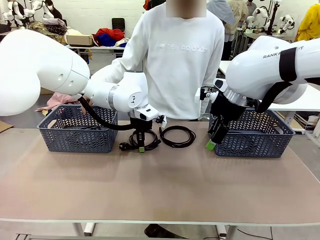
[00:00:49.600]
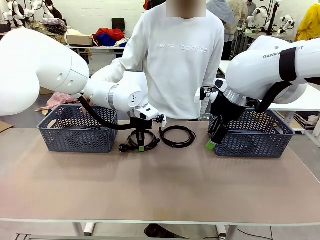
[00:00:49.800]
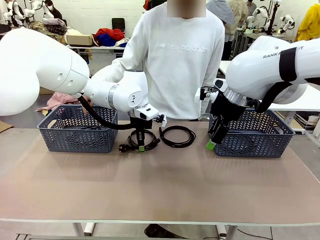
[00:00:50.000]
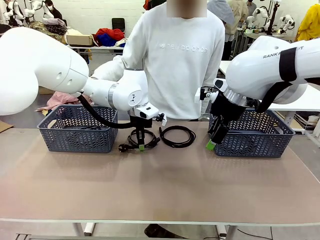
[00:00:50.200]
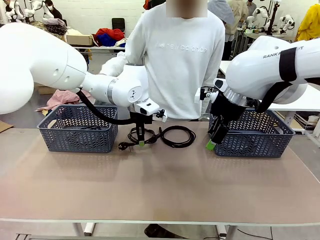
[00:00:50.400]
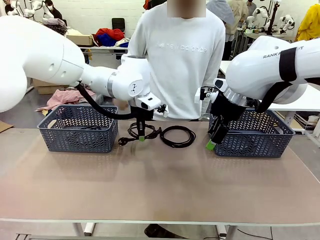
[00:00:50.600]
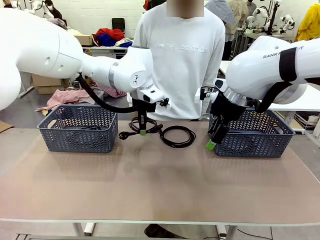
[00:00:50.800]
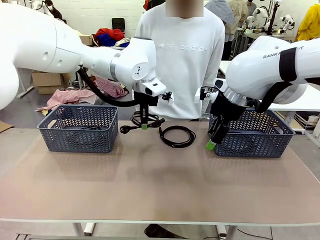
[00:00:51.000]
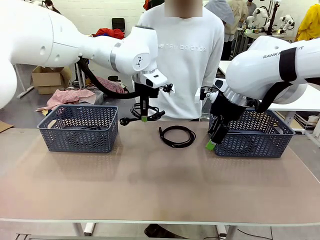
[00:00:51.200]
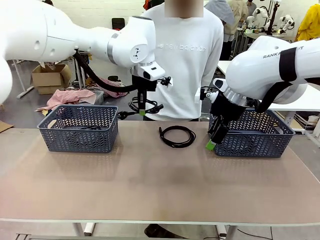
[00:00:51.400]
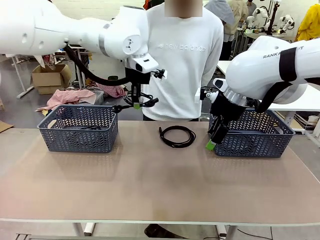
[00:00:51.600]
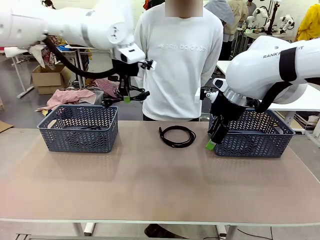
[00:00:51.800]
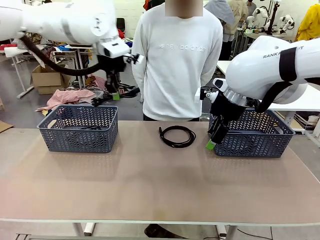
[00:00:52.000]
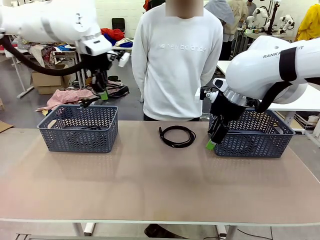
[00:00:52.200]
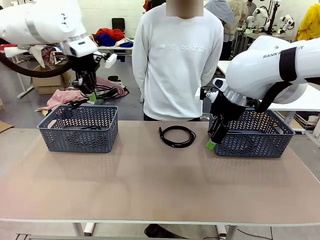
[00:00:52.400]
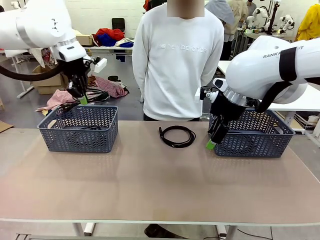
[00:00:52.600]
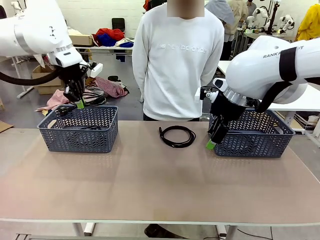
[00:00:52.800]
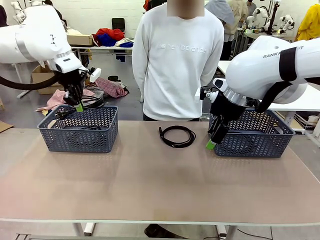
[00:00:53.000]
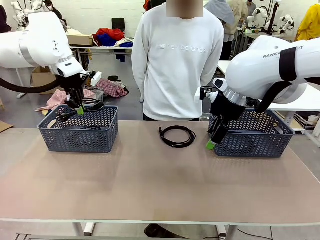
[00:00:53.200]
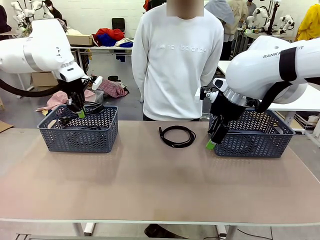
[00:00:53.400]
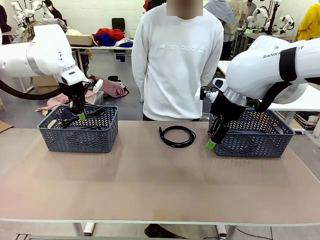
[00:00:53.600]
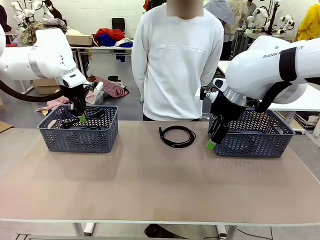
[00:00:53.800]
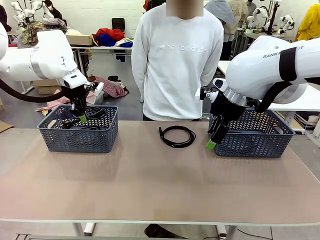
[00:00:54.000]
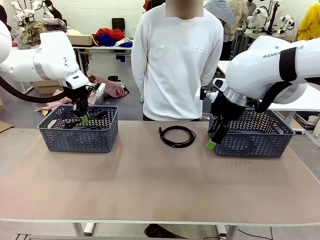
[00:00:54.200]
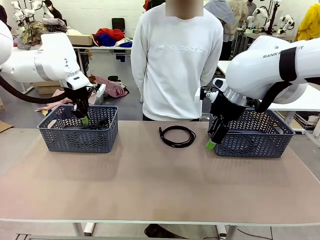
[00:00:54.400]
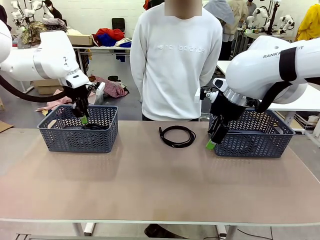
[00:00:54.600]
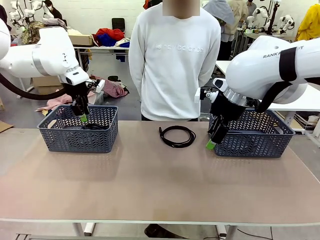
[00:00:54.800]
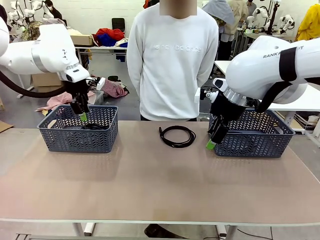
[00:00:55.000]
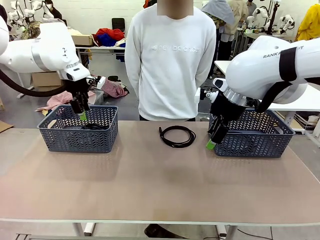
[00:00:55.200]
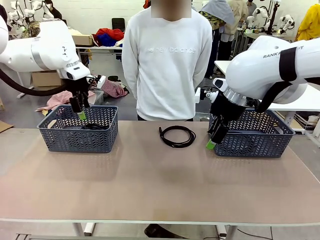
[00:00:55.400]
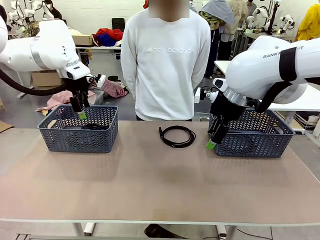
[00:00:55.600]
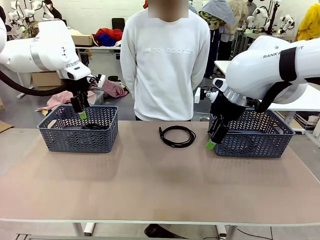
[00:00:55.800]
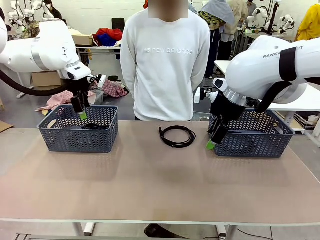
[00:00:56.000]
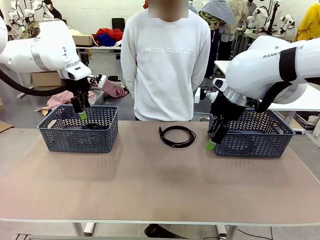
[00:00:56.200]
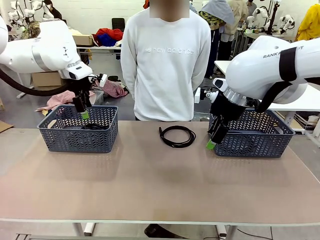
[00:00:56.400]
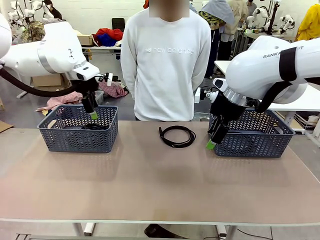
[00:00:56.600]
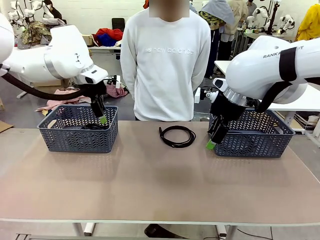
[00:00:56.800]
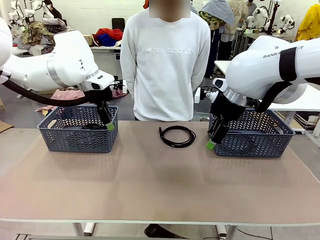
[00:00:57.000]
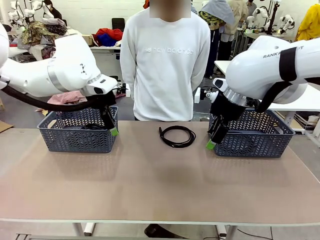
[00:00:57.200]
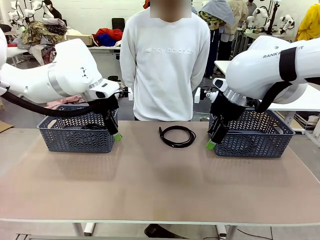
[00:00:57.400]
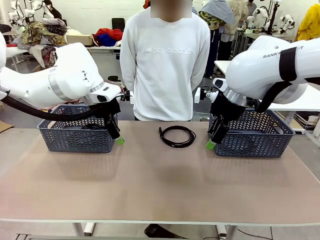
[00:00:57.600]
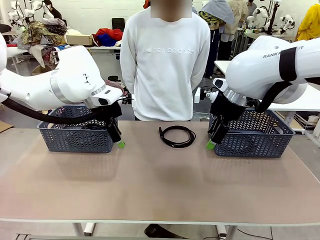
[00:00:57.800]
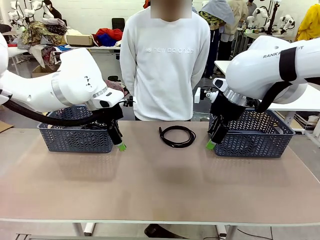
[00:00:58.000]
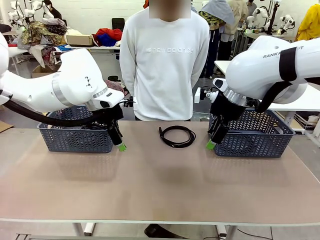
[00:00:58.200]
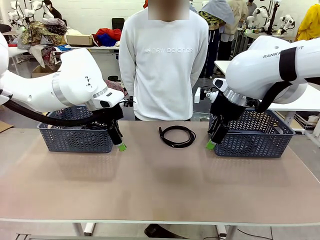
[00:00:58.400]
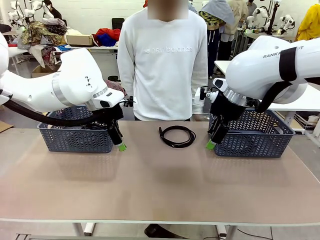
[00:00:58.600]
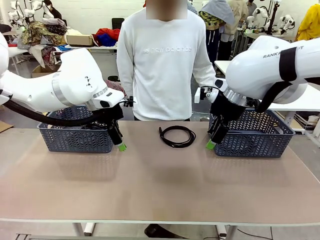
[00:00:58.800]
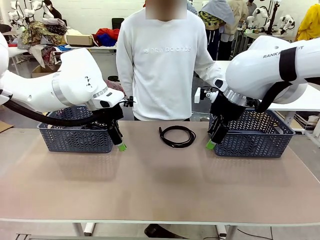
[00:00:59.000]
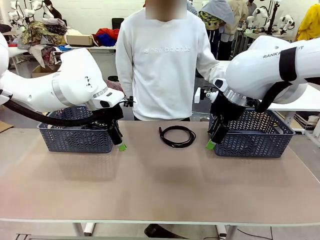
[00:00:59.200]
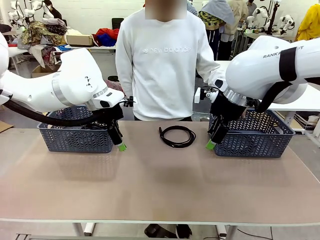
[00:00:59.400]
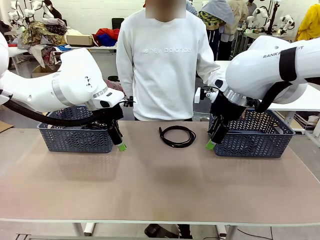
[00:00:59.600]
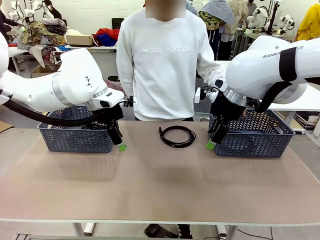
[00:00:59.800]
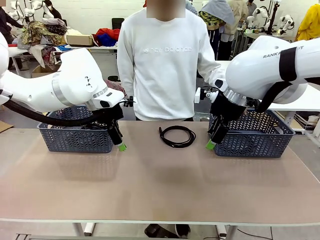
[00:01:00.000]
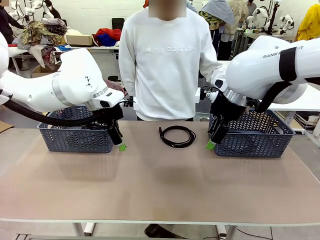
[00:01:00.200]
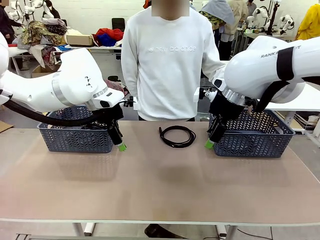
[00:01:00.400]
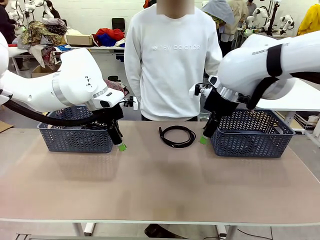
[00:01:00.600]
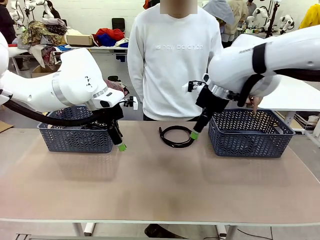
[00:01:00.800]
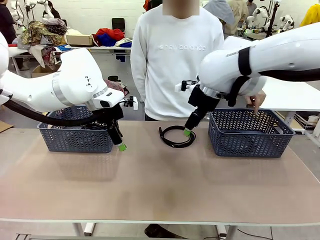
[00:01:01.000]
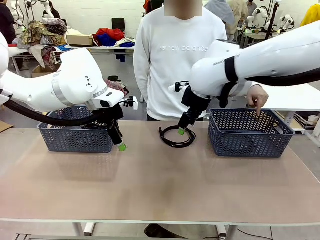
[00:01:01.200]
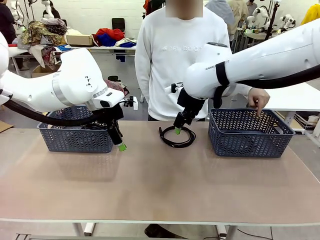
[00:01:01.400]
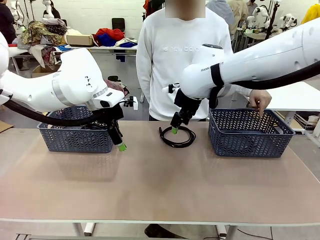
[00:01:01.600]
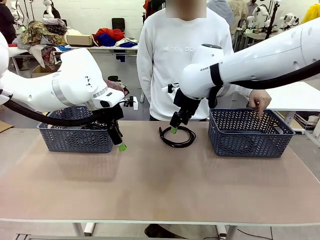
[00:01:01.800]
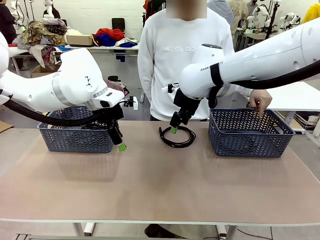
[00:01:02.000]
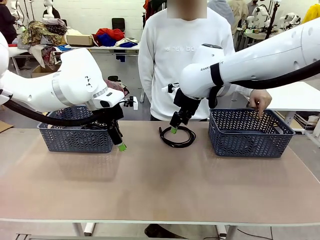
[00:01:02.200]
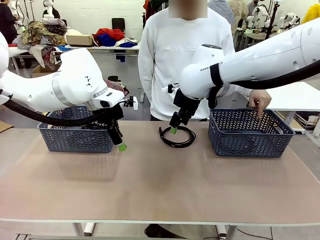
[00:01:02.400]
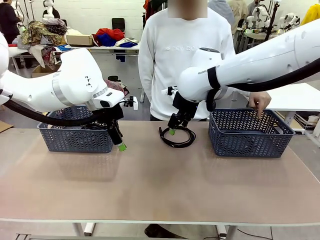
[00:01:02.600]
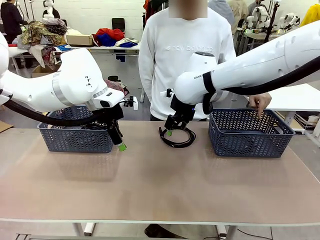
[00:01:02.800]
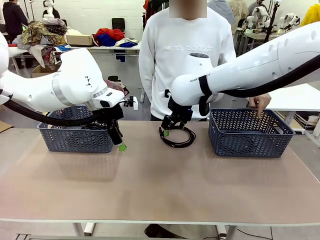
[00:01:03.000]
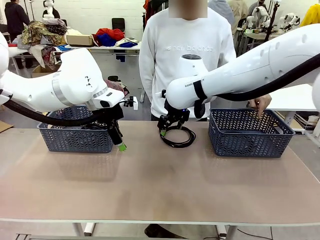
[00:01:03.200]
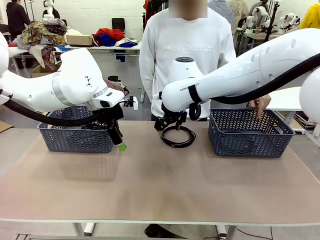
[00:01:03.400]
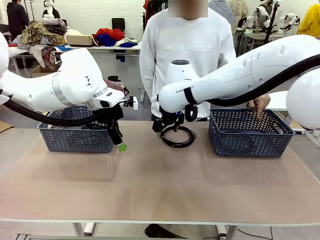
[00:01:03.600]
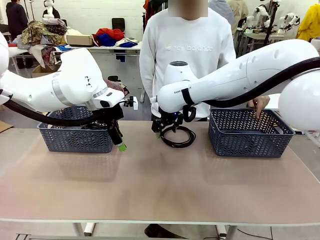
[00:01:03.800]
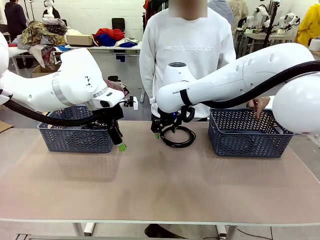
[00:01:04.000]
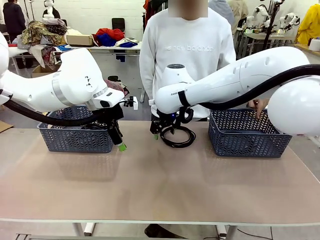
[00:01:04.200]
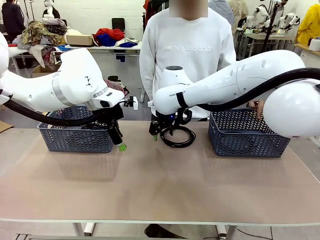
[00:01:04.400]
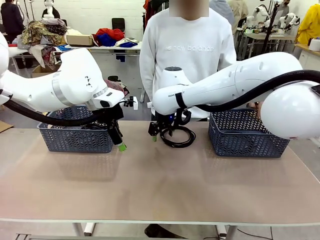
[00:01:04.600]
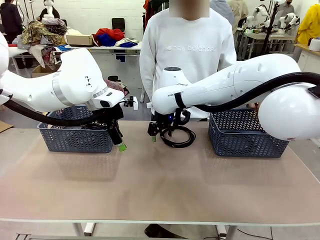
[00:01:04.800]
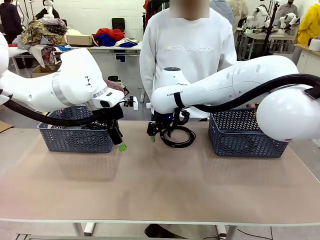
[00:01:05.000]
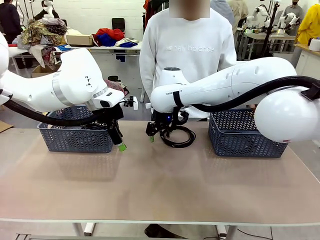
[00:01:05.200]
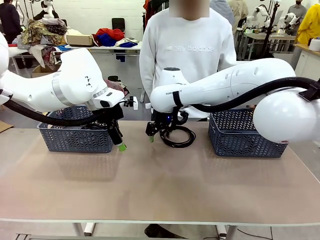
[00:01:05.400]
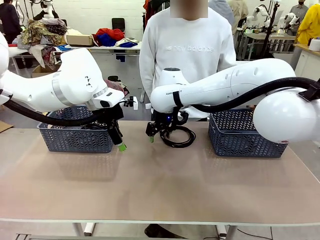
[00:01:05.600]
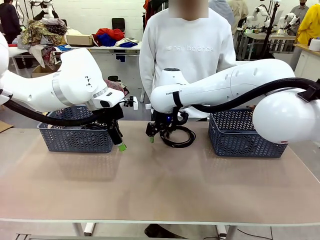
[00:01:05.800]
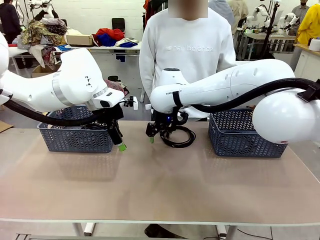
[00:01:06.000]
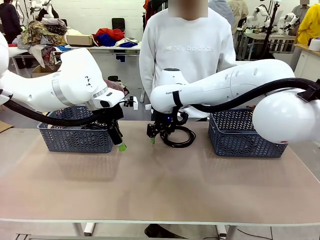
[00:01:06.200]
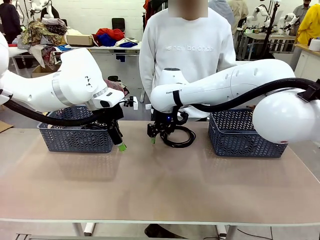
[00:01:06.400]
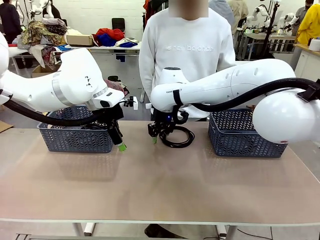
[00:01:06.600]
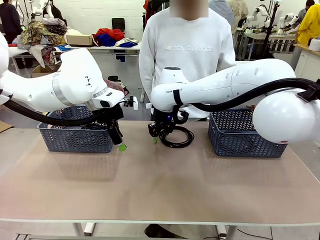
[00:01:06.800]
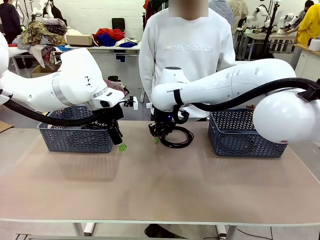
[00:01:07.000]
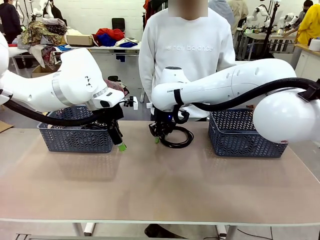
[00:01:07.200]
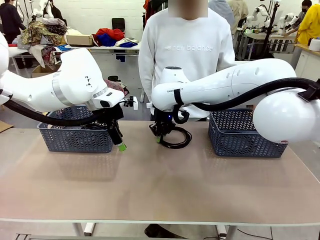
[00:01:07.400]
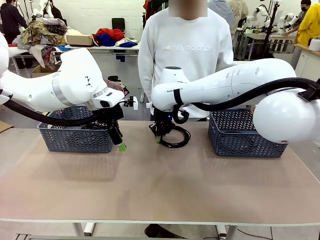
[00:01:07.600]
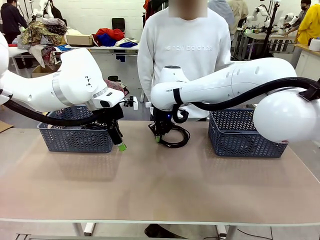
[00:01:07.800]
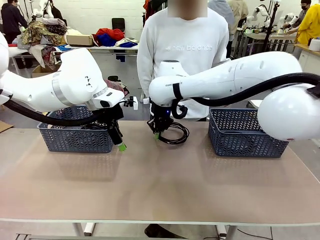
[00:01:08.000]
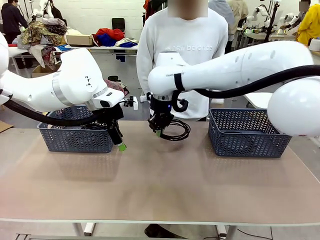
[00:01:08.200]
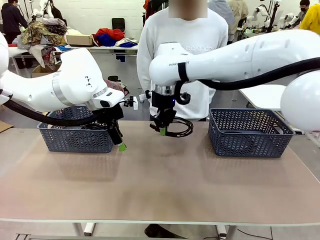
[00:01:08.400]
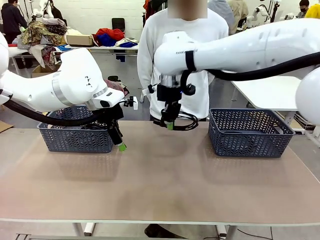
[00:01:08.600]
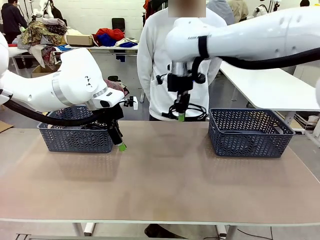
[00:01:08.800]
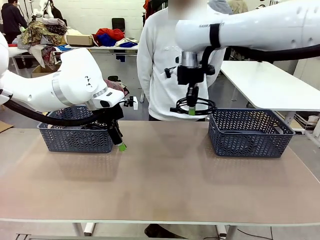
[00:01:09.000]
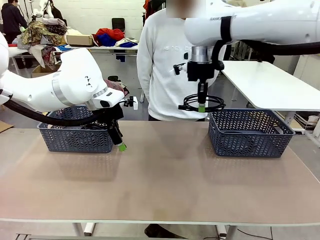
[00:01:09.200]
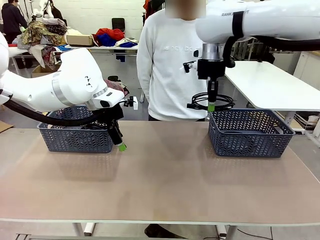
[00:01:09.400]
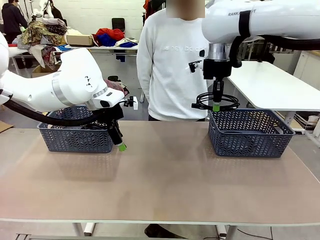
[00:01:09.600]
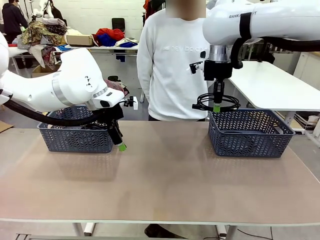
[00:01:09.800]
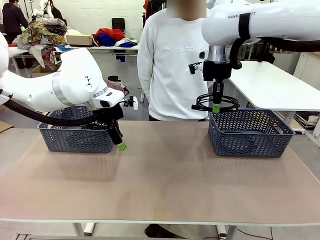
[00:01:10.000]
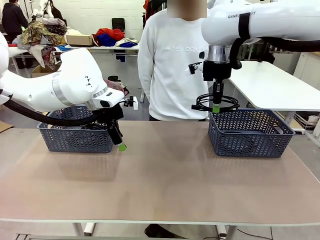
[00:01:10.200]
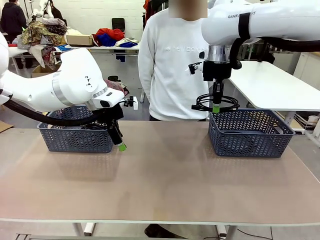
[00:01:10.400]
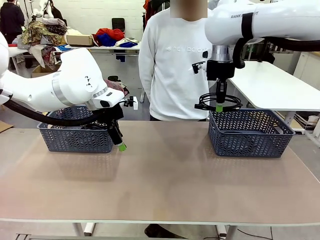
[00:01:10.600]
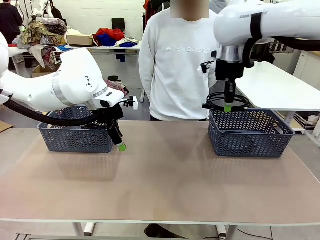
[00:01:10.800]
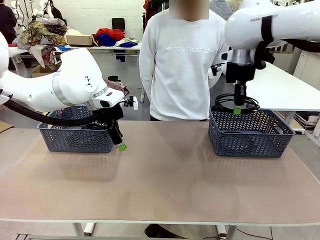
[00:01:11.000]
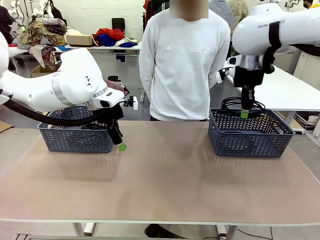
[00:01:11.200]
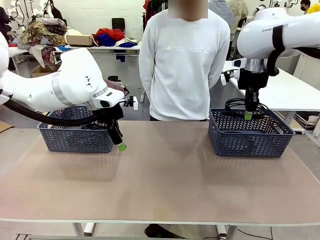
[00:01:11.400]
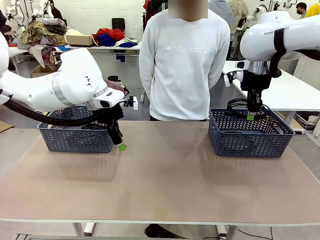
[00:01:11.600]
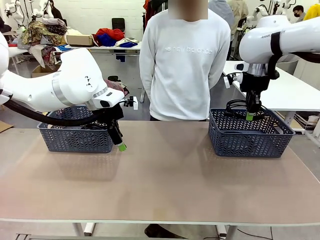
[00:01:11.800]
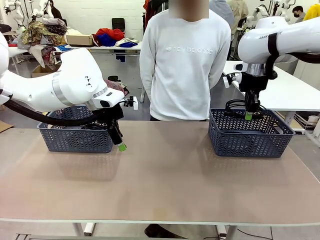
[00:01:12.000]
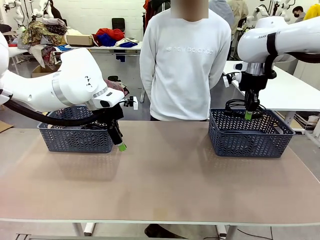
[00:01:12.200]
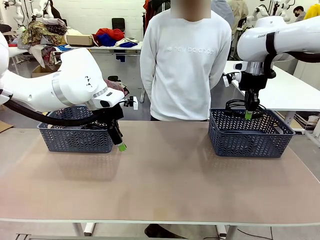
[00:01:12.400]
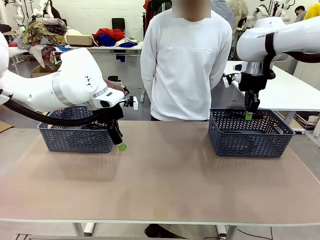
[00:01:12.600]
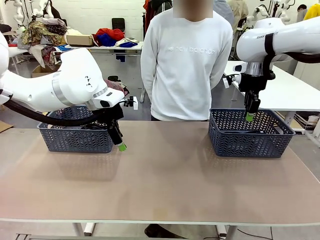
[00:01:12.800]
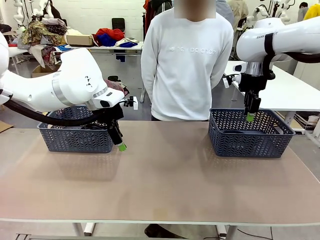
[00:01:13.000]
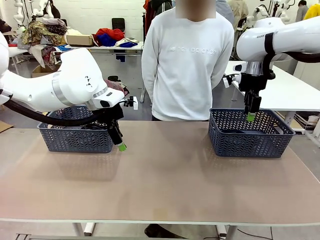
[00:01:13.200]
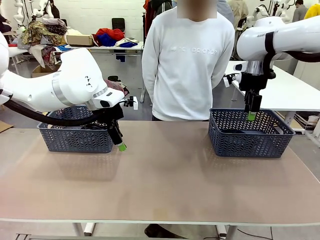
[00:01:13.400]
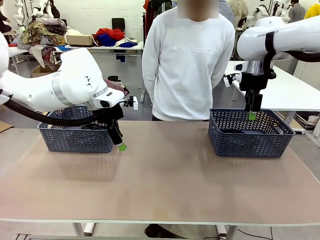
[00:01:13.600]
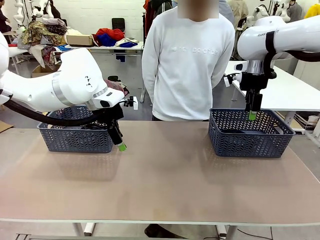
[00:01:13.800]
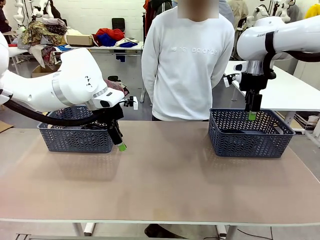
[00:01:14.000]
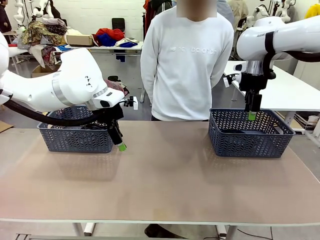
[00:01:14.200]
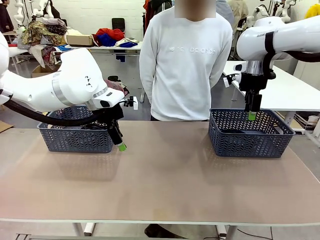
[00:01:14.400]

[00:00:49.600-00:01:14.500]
Task: Organize the cables according to human instructions.
Robot: Pick up a bundle of cables and place it in the basket indicated by the human.
